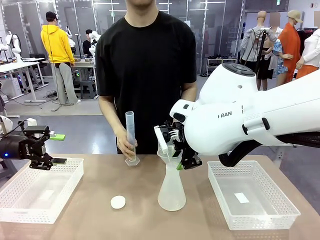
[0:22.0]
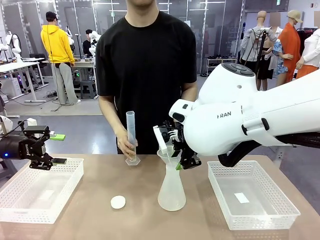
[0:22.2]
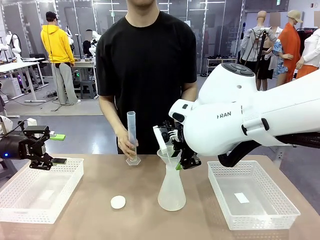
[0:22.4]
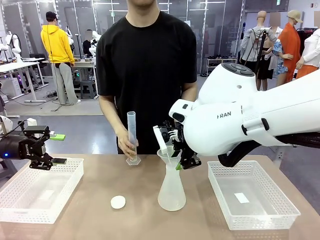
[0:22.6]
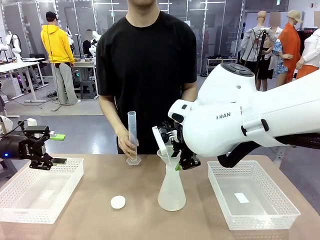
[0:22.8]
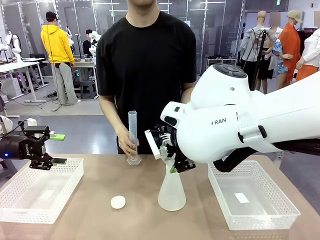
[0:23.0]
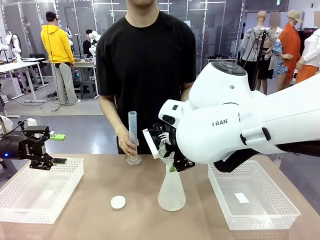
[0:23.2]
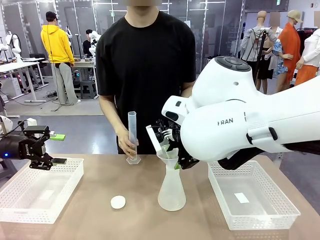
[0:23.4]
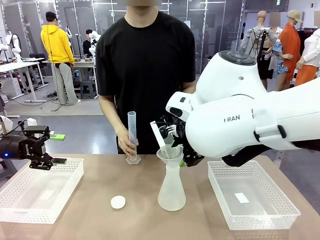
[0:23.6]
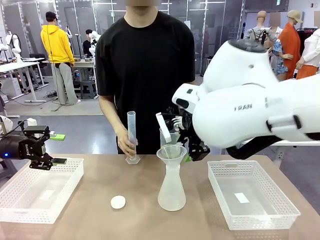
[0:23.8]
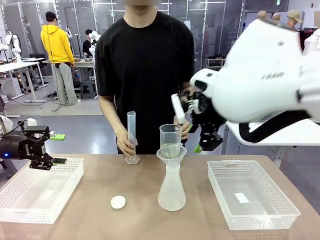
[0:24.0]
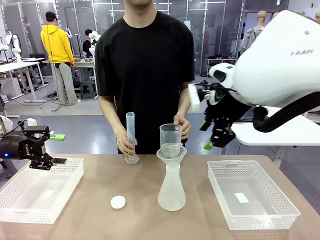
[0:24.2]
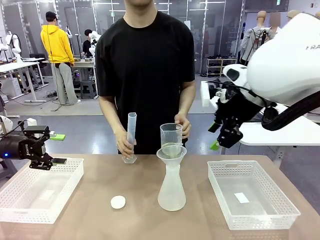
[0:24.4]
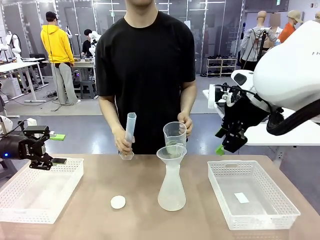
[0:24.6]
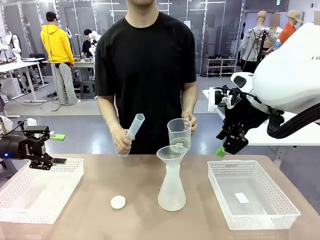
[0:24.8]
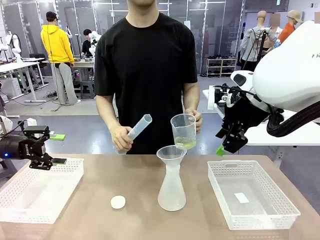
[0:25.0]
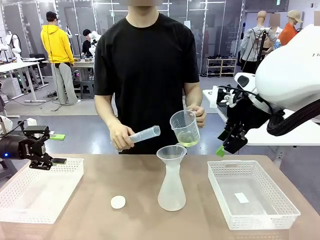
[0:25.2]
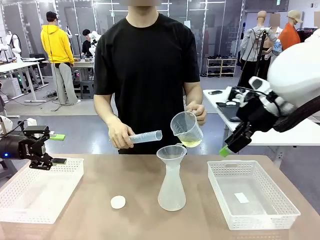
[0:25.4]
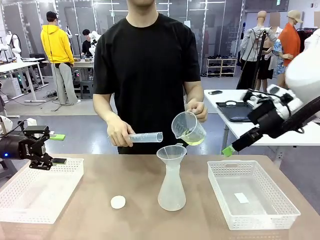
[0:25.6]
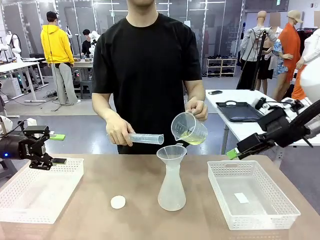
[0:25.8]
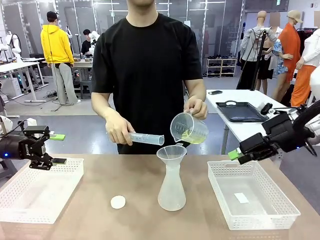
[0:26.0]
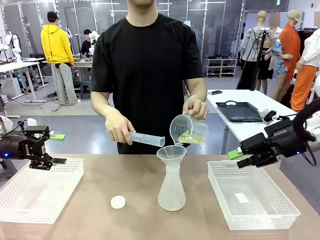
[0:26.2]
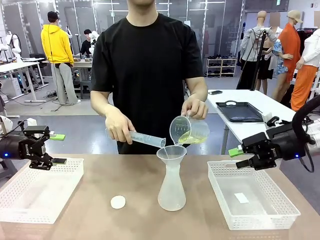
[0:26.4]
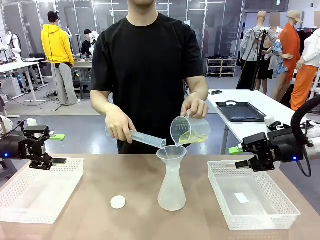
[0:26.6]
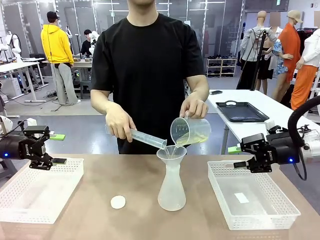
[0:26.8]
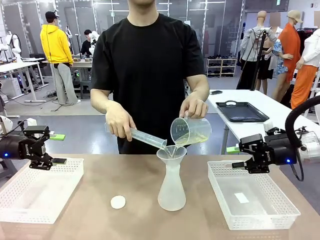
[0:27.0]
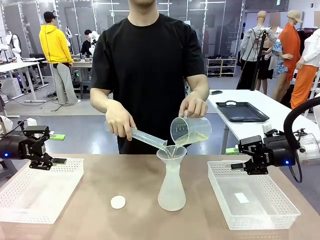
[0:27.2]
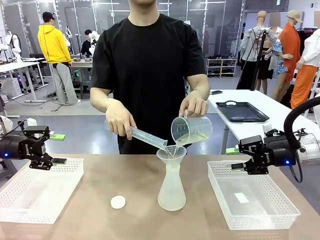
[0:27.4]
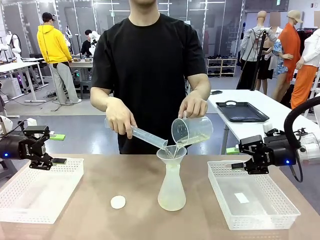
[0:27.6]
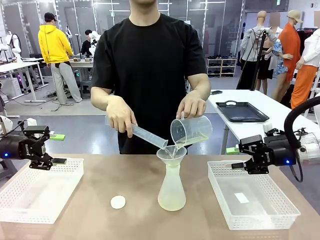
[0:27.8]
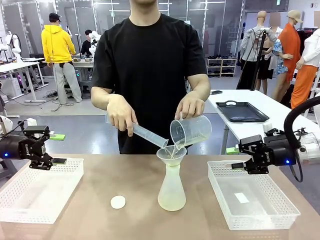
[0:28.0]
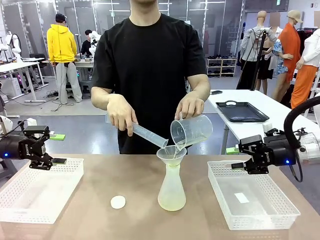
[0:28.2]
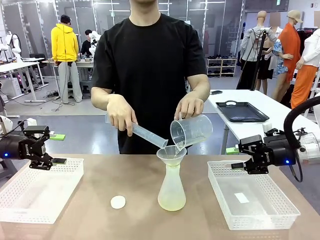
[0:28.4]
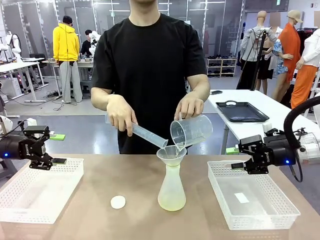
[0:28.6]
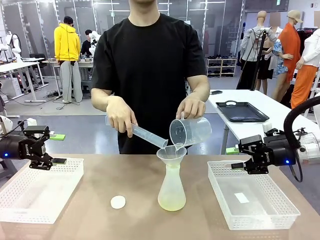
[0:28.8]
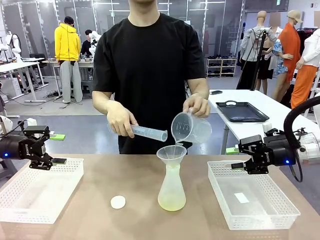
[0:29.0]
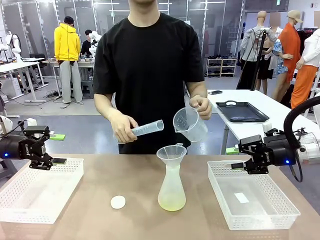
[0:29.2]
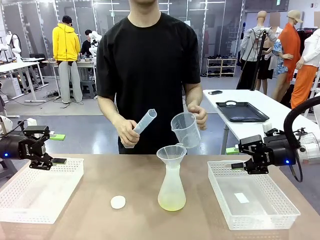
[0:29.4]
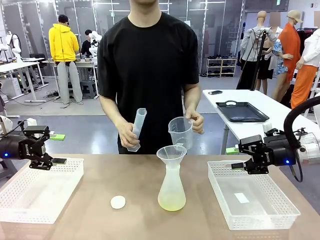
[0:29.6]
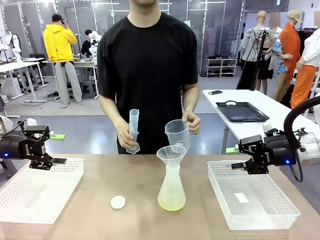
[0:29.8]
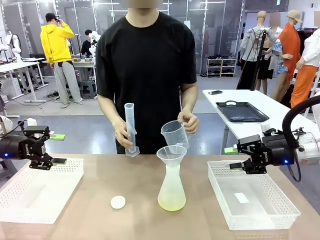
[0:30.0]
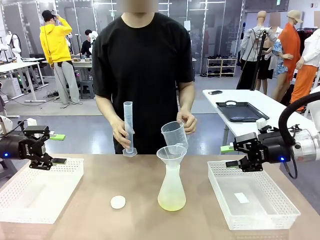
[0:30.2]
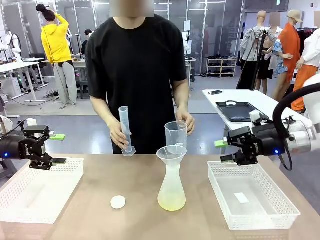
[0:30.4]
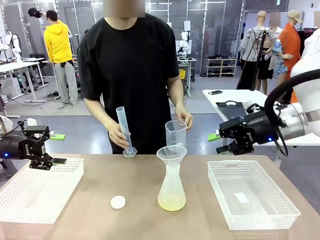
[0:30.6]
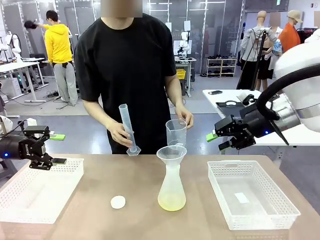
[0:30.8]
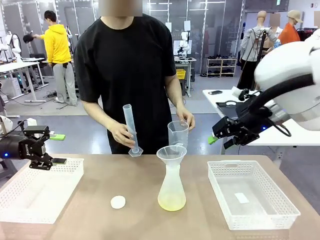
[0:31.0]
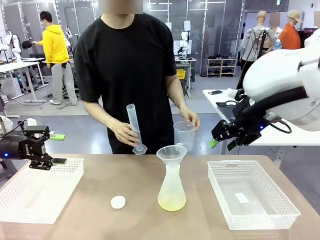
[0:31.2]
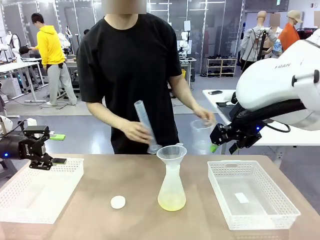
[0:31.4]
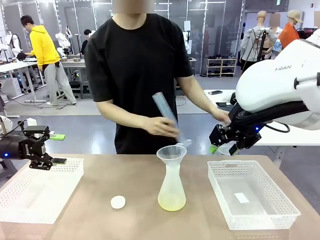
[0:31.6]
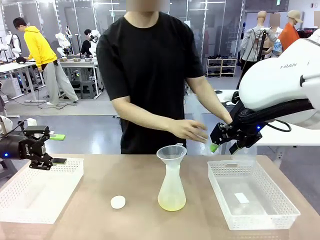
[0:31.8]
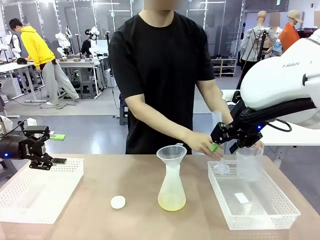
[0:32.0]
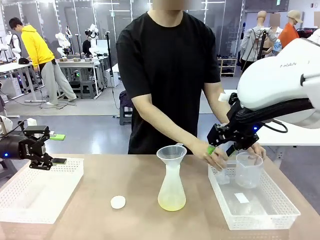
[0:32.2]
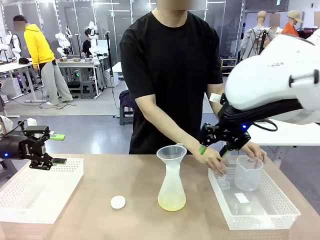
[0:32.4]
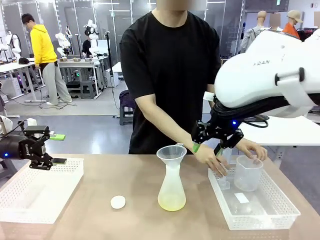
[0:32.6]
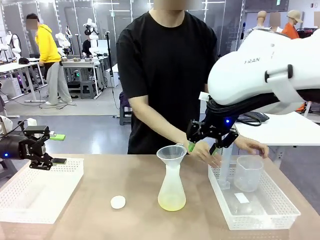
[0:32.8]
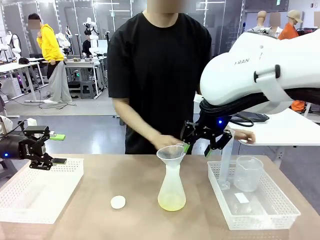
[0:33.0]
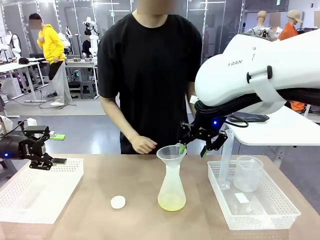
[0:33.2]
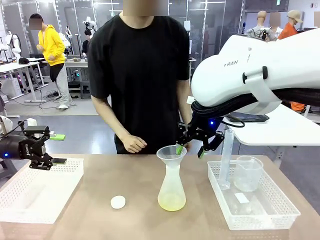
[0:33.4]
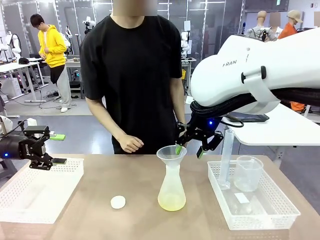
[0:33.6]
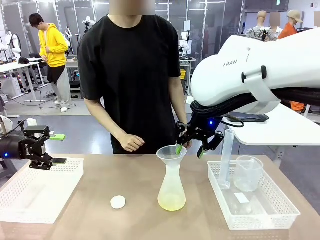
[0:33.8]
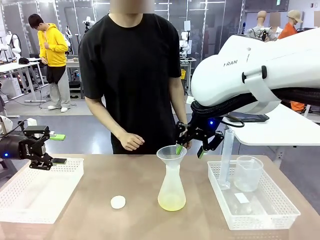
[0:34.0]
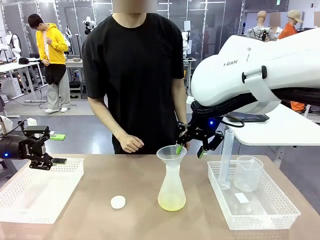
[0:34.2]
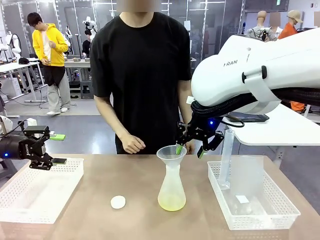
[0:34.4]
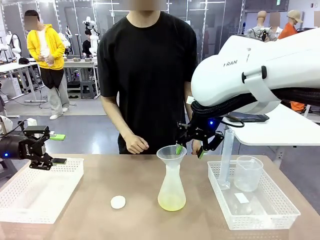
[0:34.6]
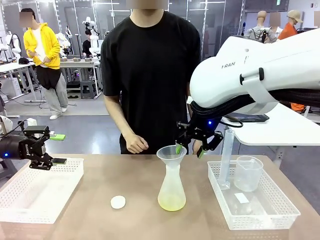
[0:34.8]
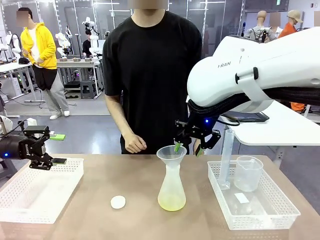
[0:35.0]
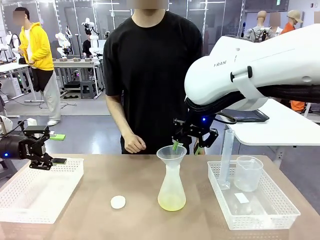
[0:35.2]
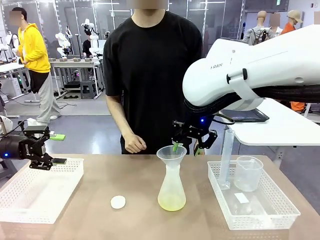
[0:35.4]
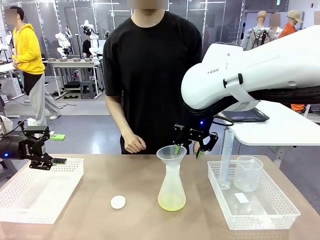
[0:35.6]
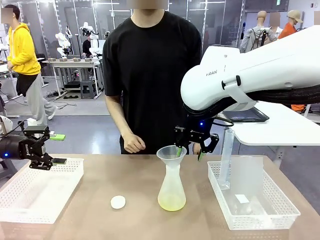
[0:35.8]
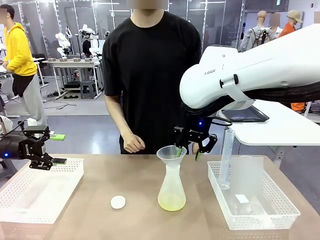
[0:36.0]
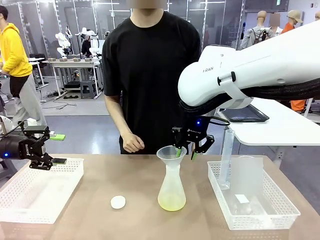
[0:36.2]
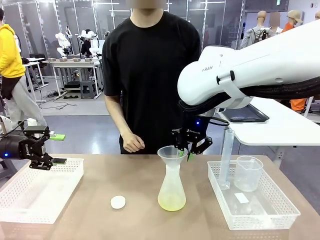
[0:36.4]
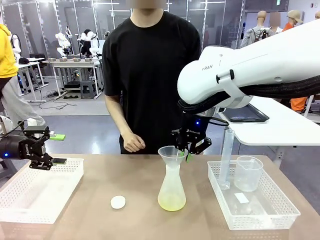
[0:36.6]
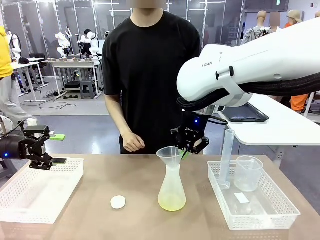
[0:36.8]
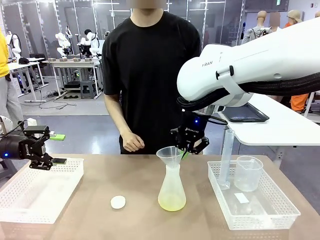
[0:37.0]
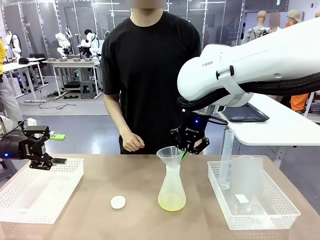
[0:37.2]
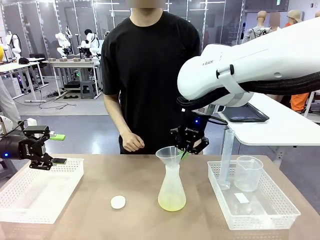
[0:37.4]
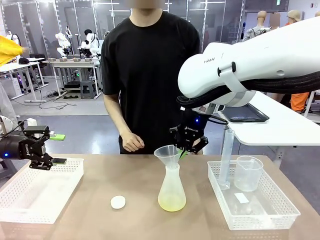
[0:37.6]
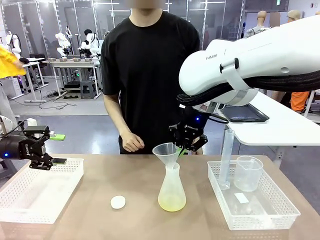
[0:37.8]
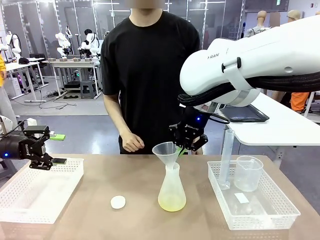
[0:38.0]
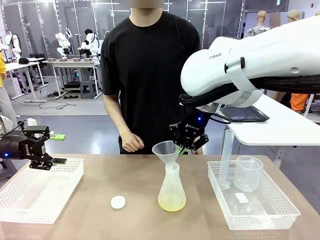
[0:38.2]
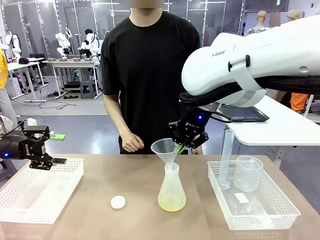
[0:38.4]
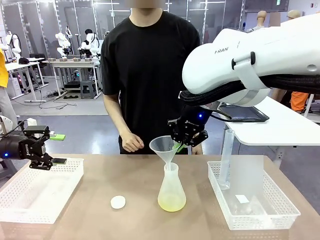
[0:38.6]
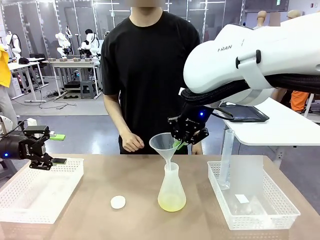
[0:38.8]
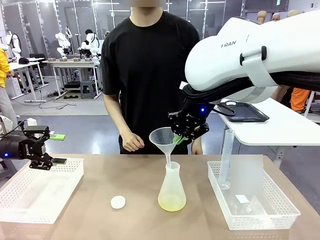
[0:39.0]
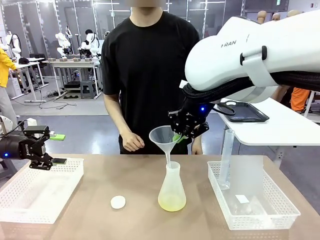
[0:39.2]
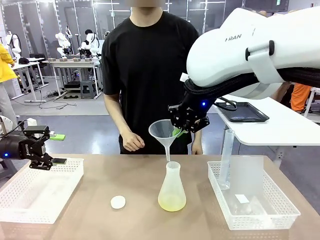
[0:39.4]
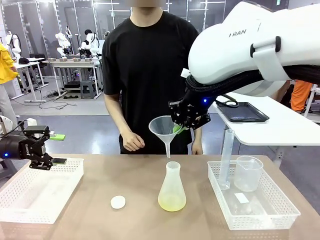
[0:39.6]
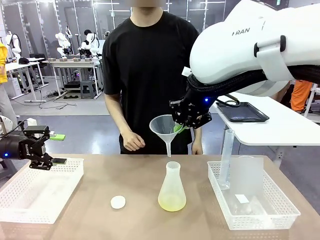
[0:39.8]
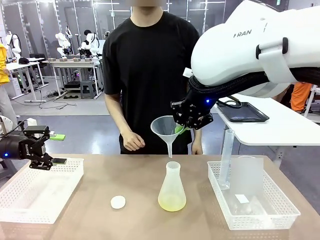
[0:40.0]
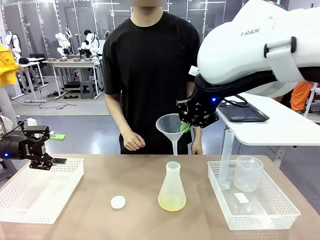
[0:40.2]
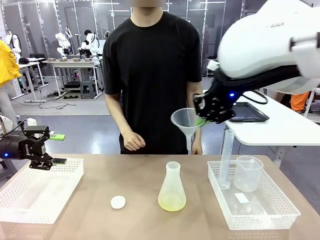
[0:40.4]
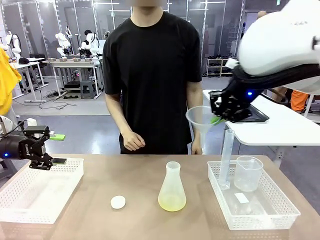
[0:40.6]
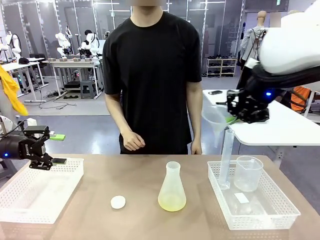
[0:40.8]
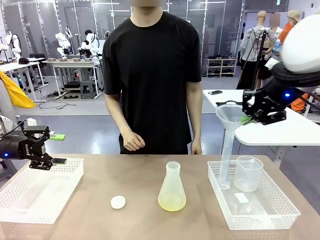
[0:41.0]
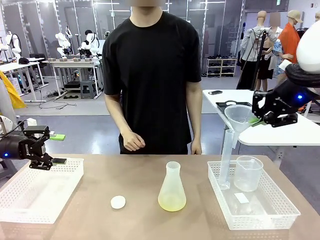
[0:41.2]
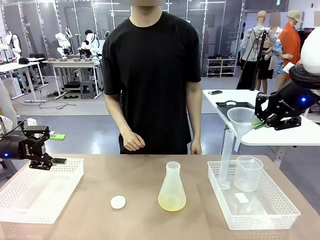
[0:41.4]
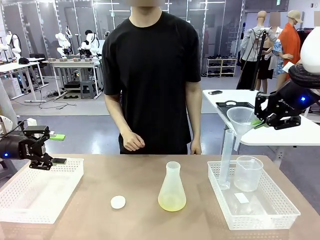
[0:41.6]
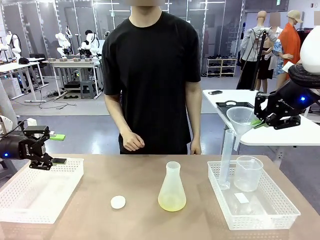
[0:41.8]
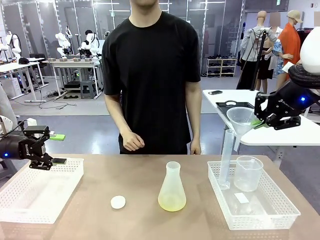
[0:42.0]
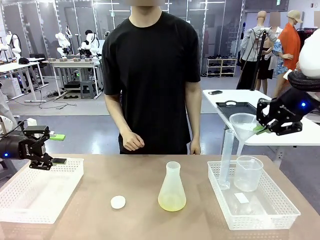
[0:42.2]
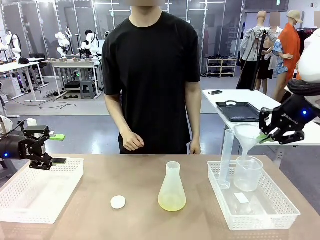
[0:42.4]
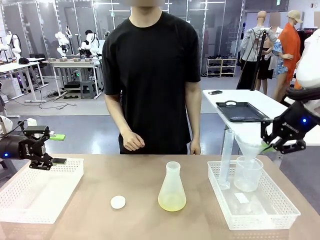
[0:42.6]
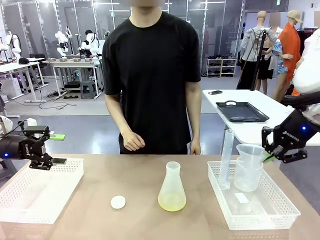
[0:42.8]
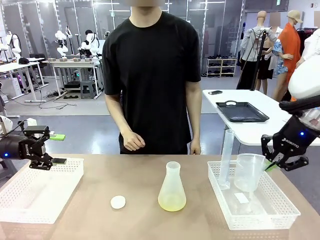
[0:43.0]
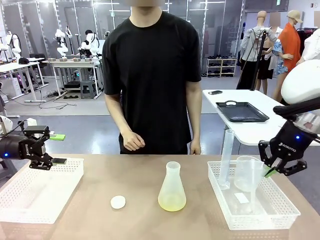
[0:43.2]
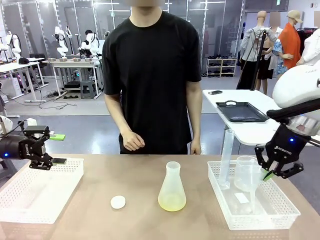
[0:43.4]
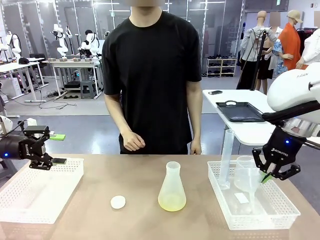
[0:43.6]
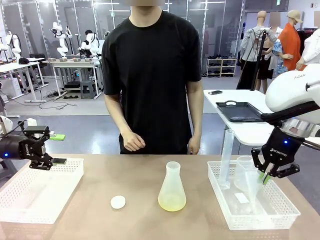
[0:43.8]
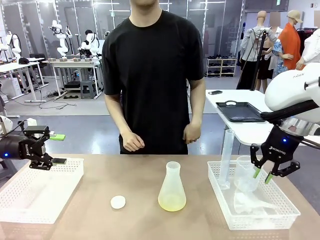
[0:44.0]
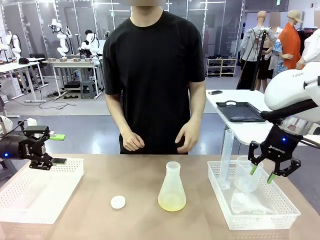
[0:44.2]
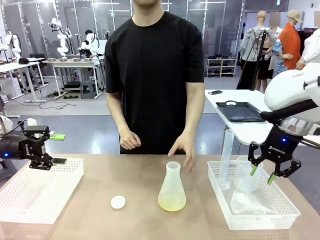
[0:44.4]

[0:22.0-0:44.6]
Task: Prepare the solutions needed for the experiment.
Robot: Once the solution is in the Big flask , pick up the Plastic Funnel and place it back into the right Organizing basket.
Person: Place the beaker and the cylinder into the organizing basket on the left side. Pick up the flask, gently shake it 2–3 times, place it in the middle of the robot table, and close the lid.
